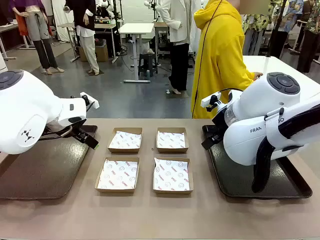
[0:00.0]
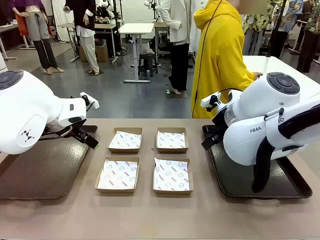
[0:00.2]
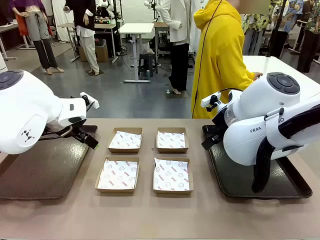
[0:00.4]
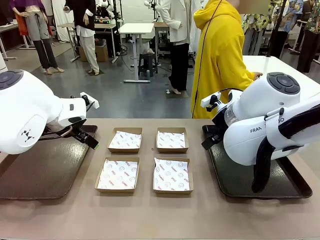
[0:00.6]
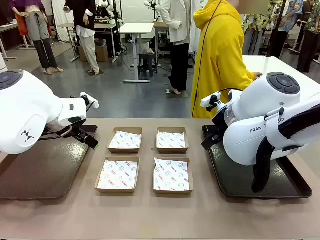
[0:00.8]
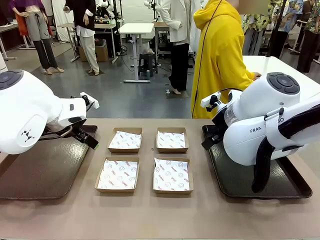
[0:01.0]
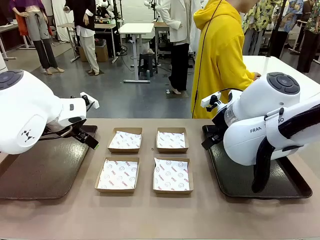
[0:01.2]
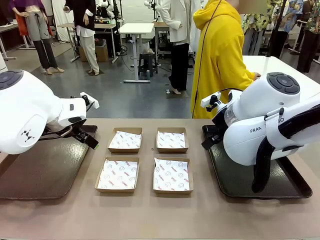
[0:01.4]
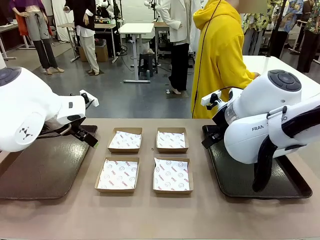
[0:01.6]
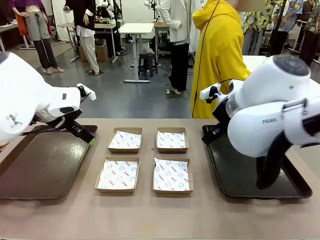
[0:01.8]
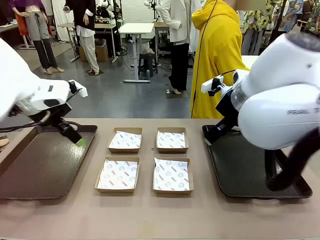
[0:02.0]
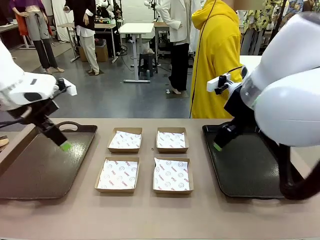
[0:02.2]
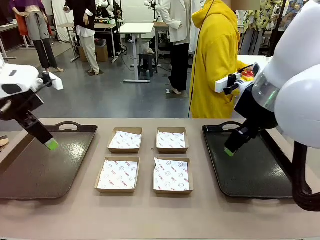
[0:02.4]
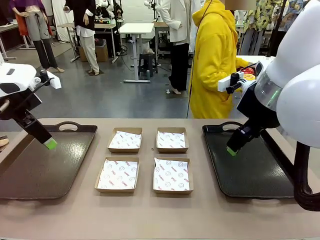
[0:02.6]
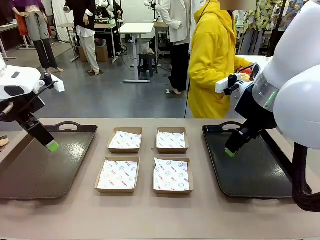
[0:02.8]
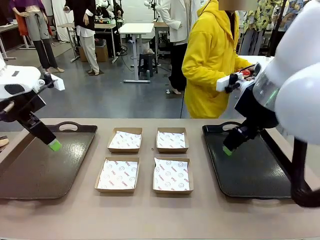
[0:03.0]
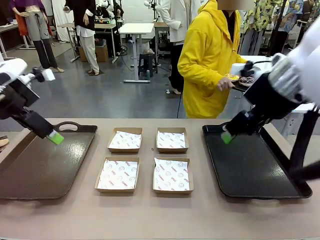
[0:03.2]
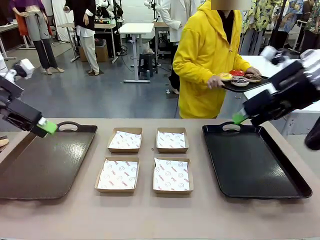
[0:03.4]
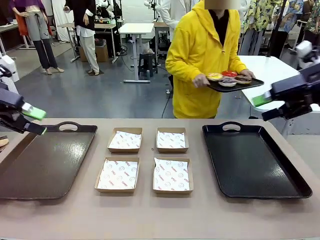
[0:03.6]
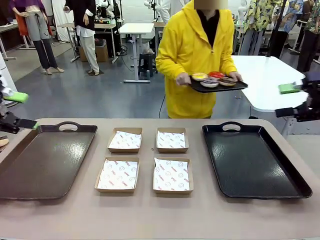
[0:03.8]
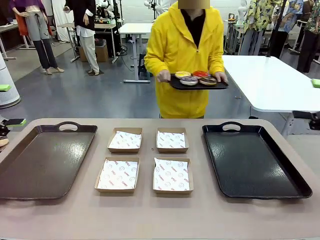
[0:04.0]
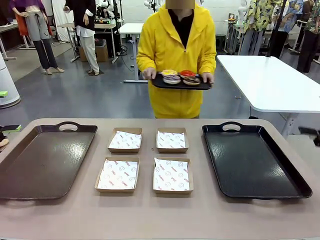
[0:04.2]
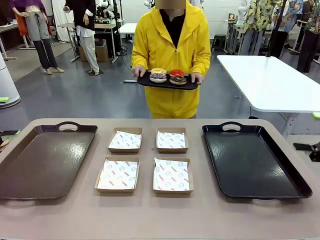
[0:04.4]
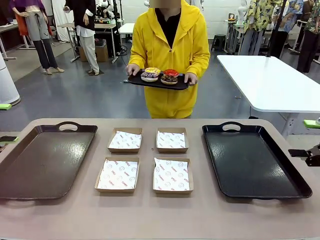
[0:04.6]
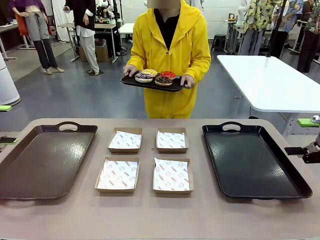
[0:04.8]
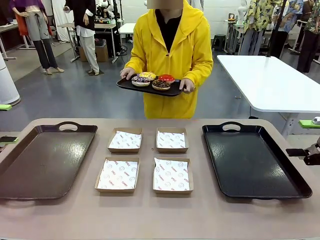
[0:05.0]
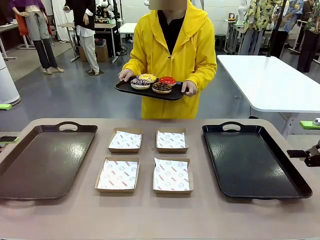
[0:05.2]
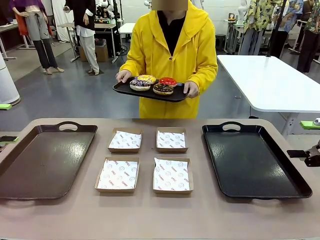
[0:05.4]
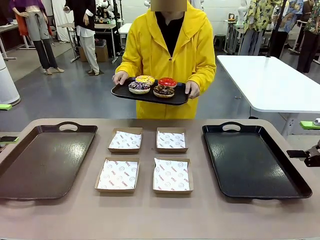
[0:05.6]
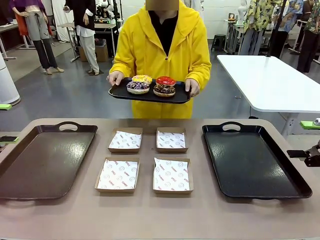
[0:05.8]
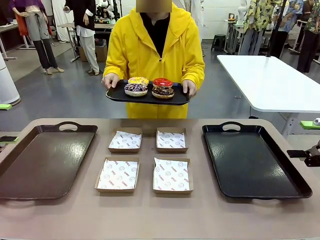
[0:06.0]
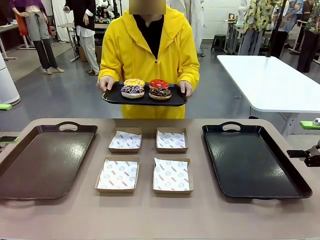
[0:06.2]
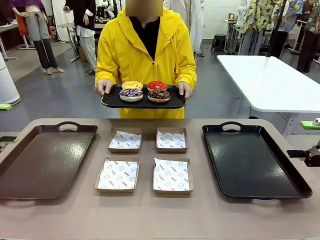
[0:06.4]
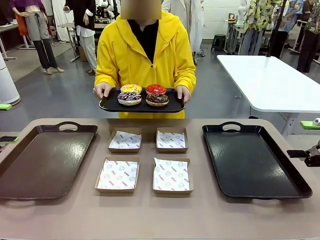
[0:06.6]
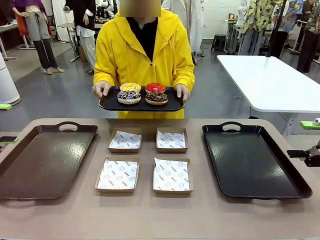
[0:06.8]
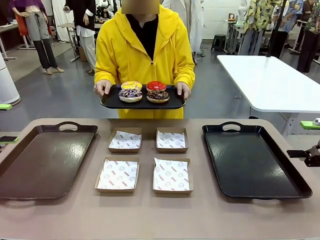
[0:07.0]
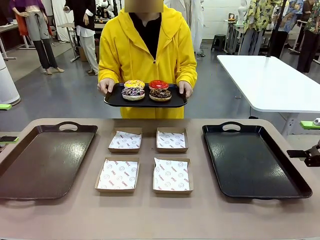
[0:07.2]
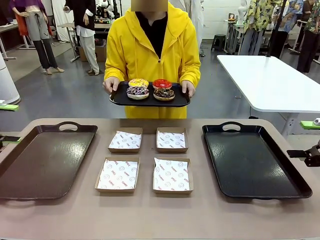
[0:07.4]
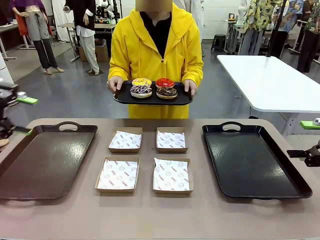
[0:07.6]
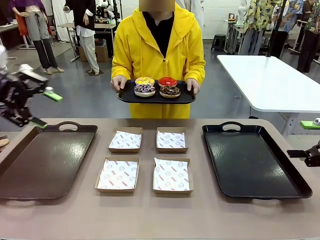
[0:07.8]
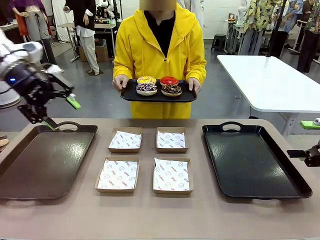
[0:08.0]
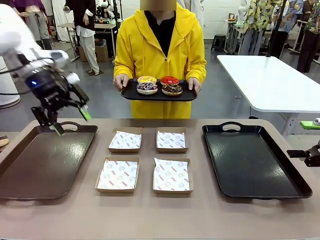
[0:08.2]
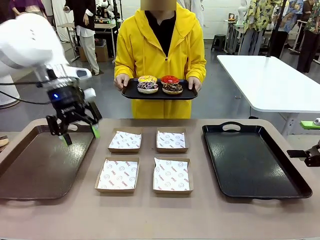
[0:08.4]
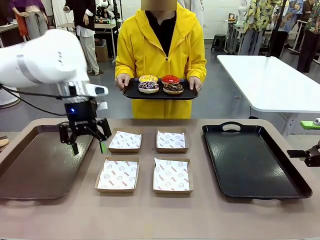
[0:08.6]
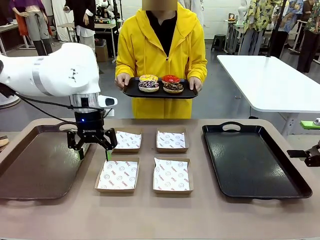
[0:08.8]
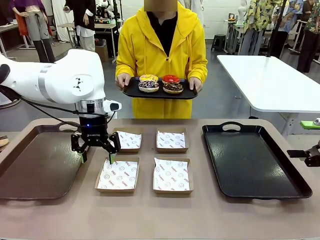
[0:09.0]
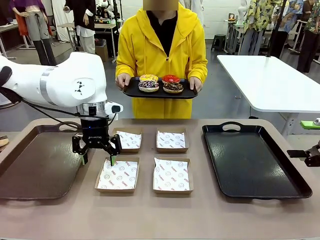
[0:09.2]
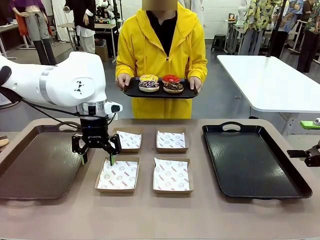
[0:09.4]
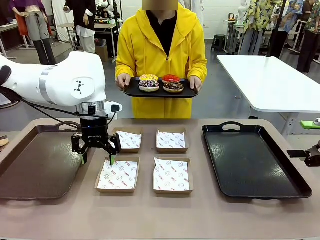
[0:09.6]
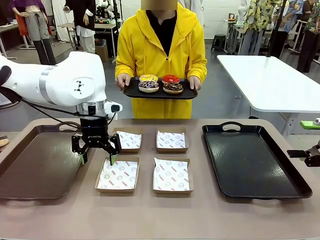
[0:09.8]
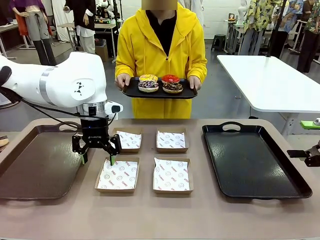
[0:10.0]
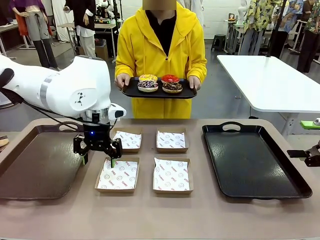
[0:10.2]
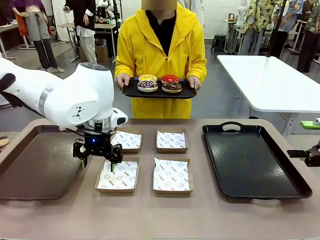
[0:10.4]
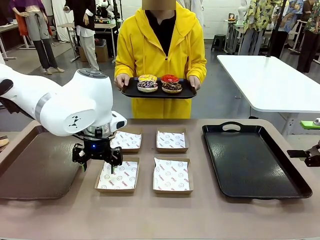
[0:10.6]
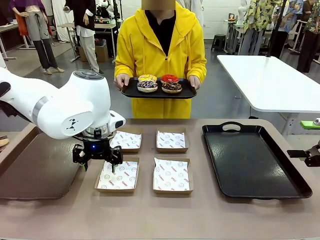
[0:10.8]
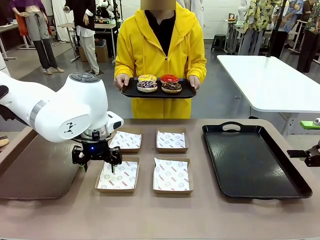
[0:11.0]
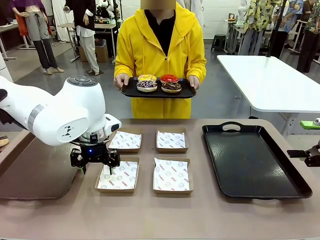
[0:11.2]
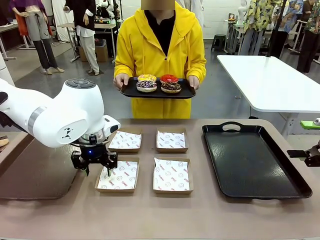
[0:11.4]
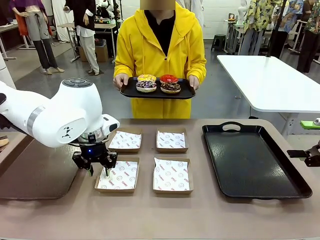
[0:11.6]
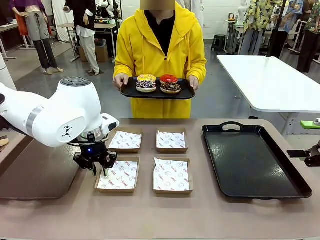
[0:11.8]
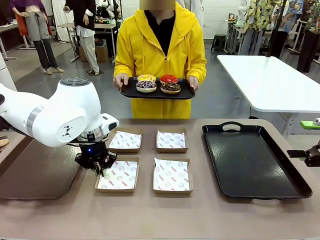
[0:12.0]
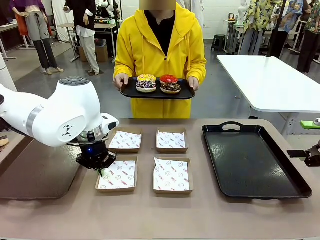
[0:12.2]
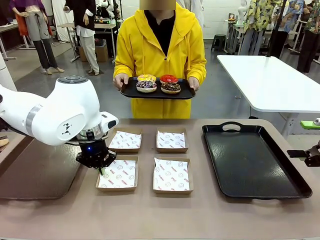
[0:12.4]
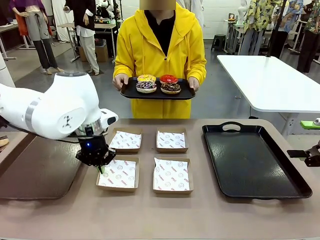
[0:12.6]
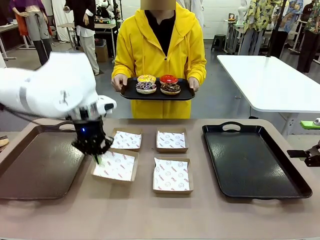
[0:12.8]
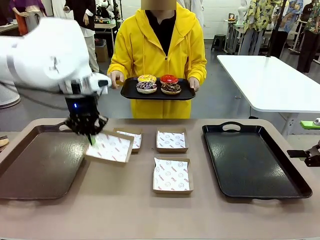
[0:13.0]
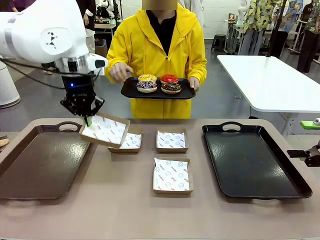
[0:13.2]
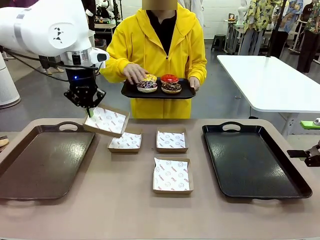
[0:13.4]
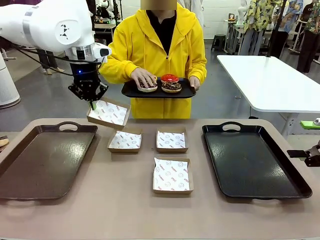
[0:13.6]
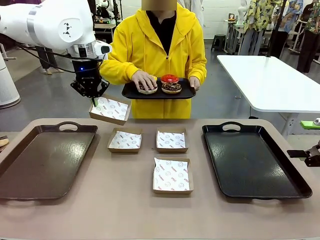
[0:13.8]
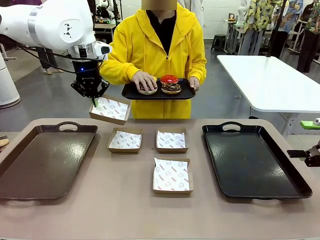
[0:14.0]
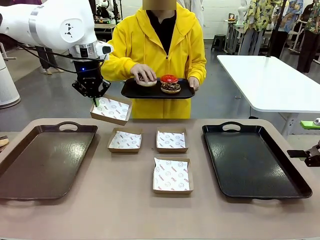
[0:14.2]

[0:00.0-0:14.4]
Task: Individually package the donuts and arrange them on the tray.
Robot: Pick up one Paper togo box.
Person: Stand in front of the robot table holding the tray containing the donuts.
